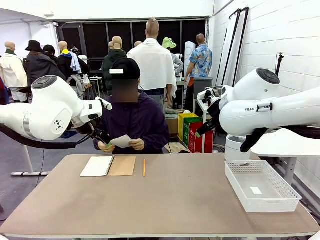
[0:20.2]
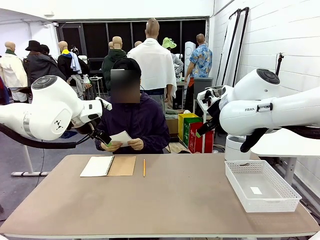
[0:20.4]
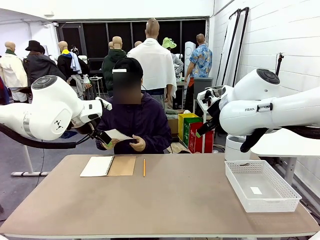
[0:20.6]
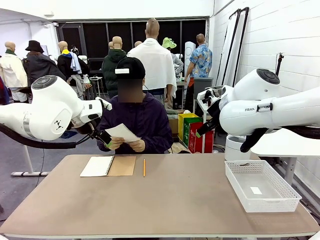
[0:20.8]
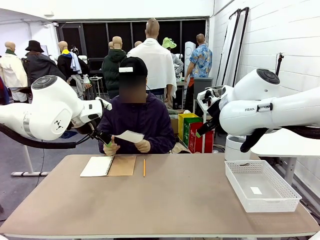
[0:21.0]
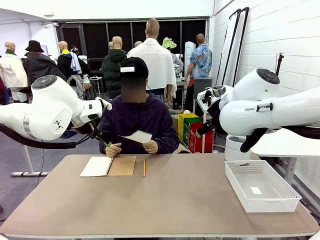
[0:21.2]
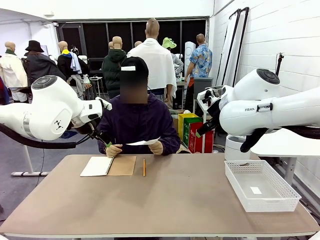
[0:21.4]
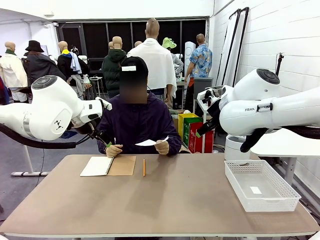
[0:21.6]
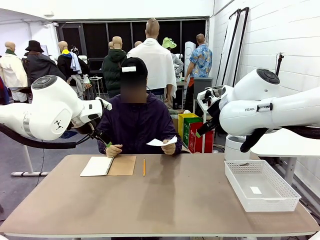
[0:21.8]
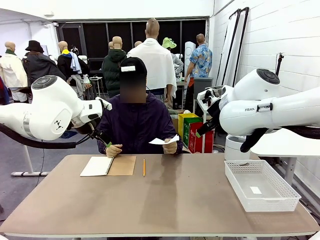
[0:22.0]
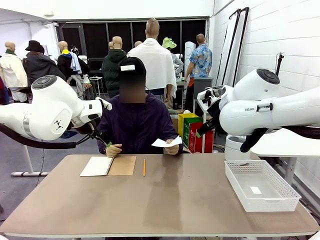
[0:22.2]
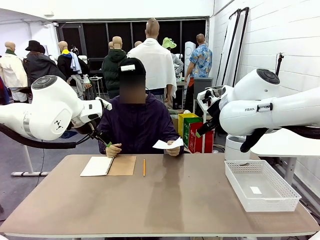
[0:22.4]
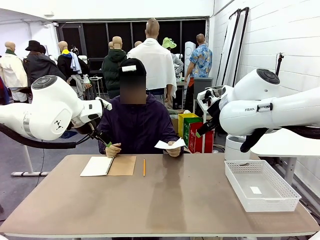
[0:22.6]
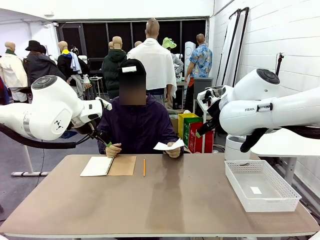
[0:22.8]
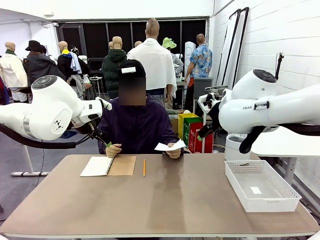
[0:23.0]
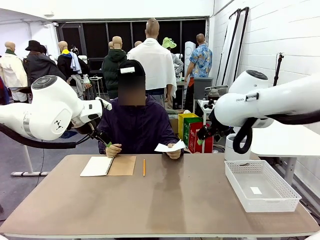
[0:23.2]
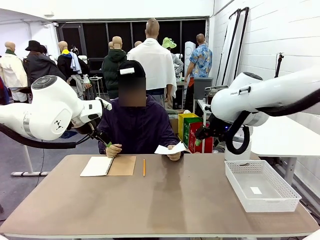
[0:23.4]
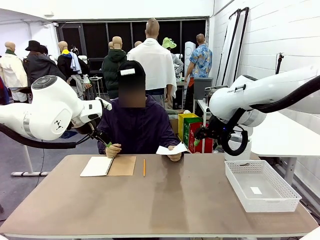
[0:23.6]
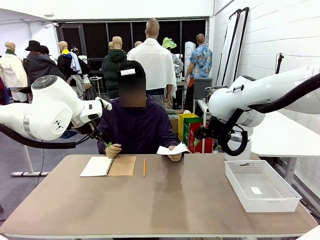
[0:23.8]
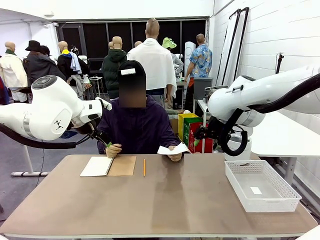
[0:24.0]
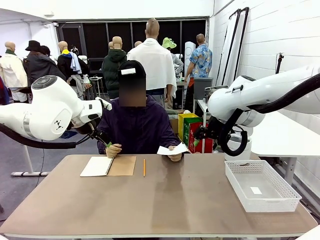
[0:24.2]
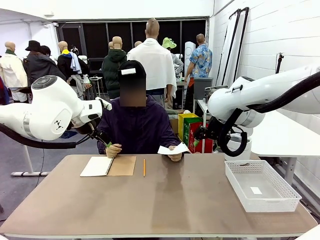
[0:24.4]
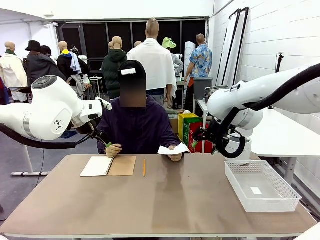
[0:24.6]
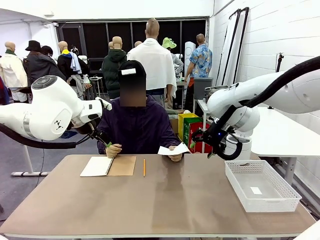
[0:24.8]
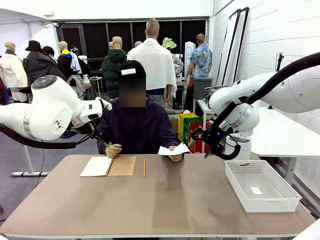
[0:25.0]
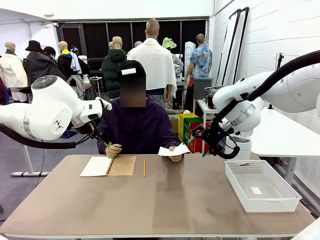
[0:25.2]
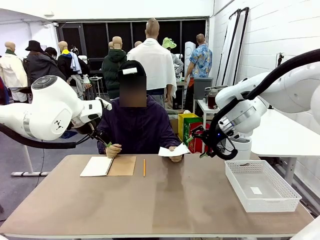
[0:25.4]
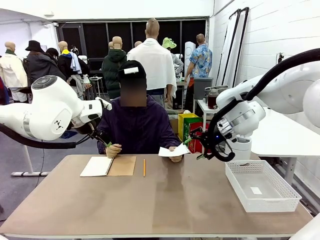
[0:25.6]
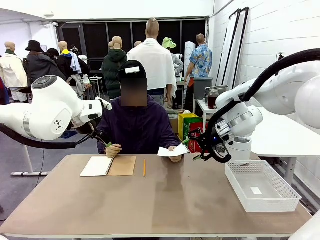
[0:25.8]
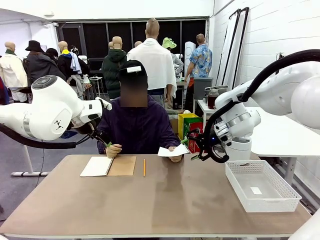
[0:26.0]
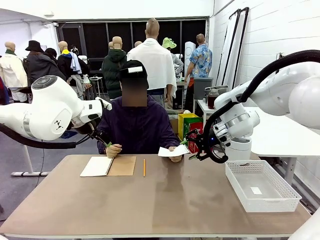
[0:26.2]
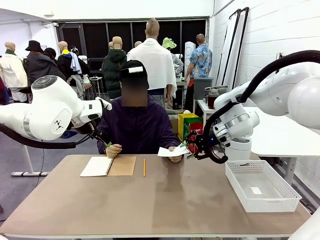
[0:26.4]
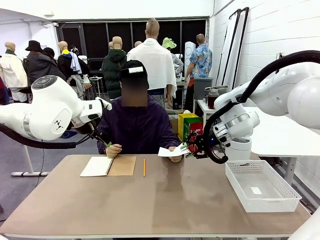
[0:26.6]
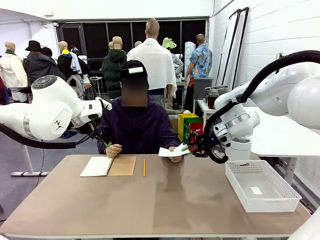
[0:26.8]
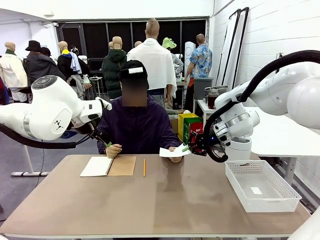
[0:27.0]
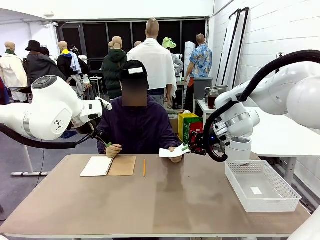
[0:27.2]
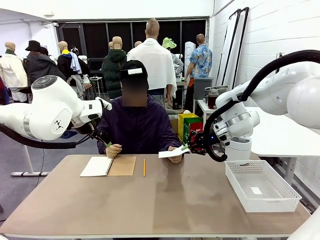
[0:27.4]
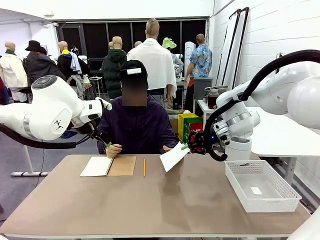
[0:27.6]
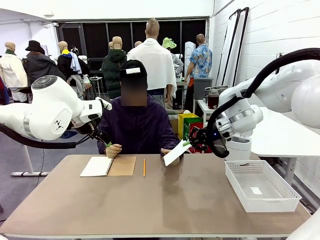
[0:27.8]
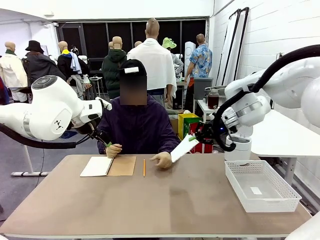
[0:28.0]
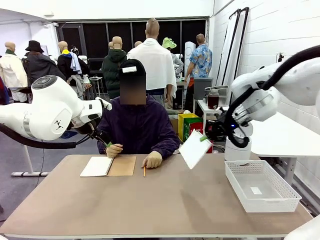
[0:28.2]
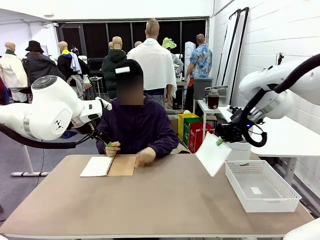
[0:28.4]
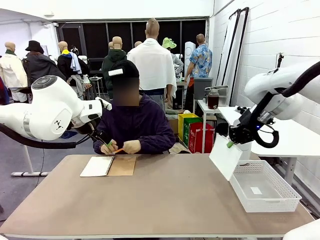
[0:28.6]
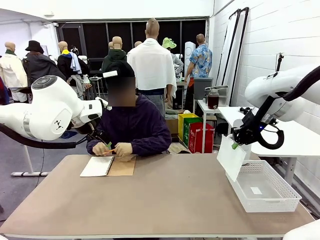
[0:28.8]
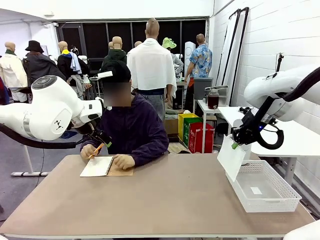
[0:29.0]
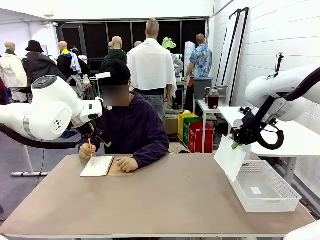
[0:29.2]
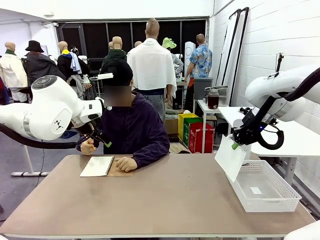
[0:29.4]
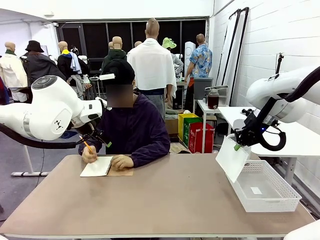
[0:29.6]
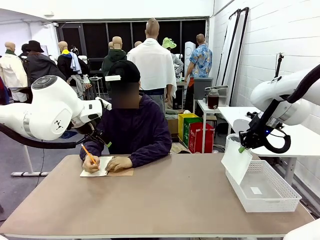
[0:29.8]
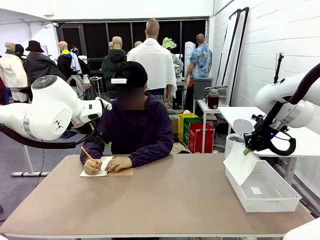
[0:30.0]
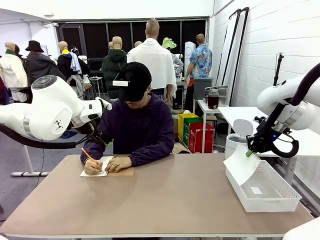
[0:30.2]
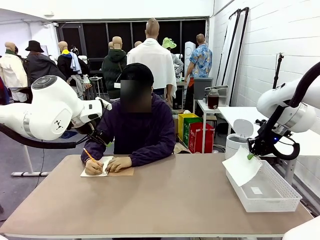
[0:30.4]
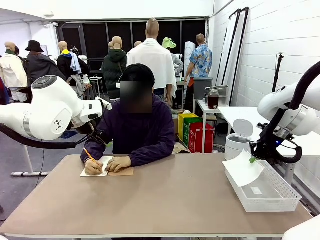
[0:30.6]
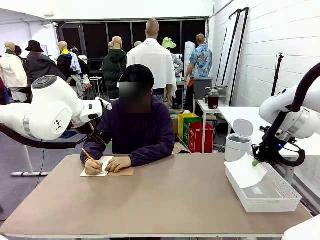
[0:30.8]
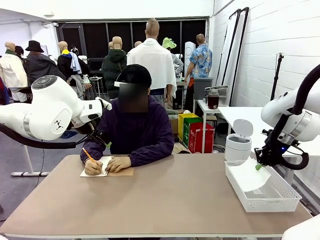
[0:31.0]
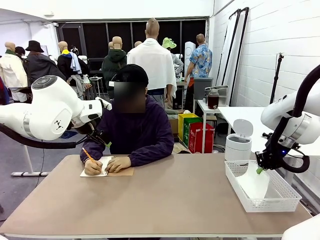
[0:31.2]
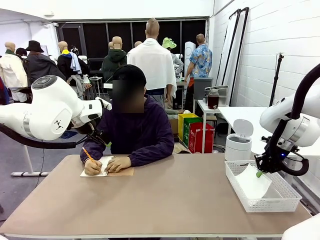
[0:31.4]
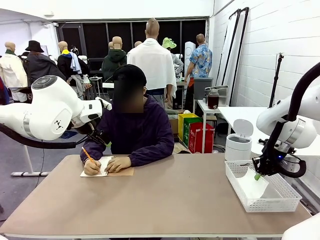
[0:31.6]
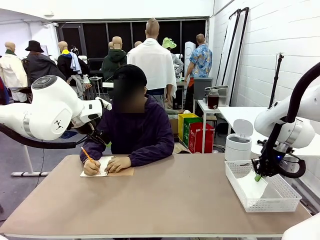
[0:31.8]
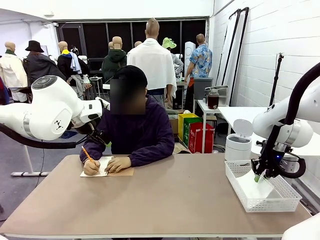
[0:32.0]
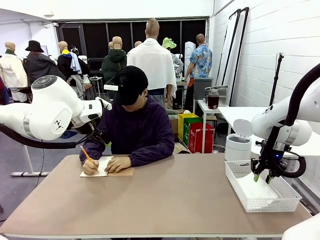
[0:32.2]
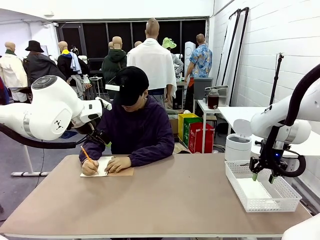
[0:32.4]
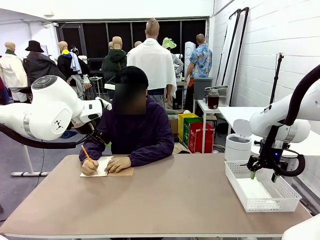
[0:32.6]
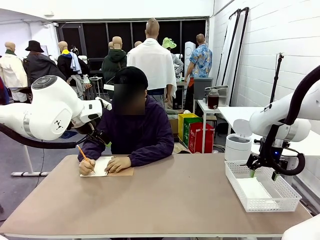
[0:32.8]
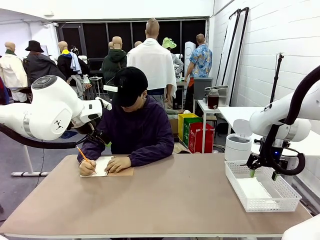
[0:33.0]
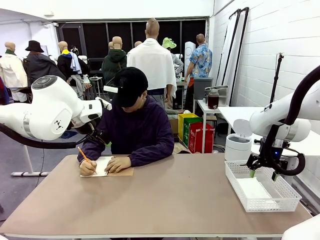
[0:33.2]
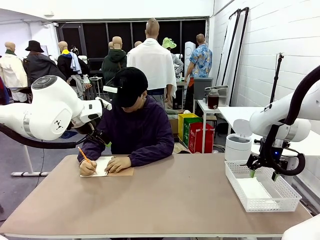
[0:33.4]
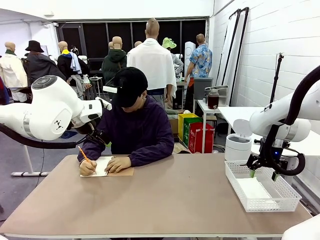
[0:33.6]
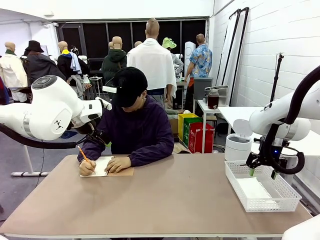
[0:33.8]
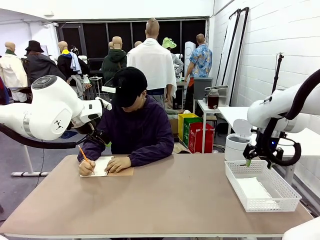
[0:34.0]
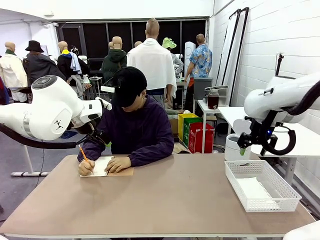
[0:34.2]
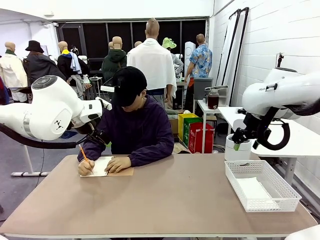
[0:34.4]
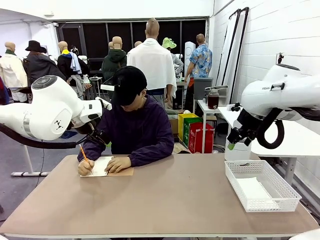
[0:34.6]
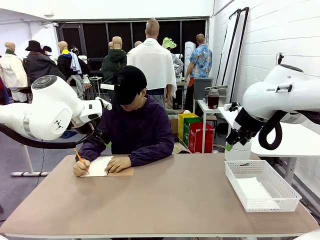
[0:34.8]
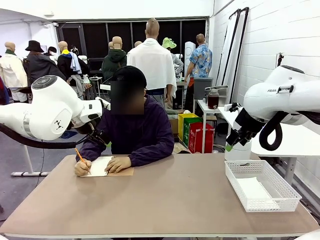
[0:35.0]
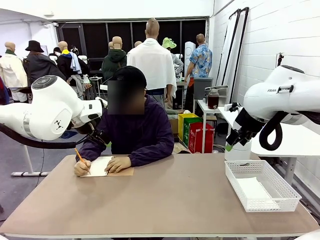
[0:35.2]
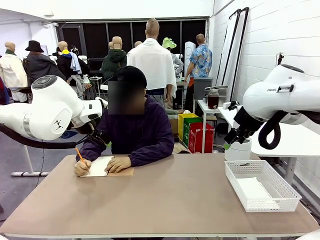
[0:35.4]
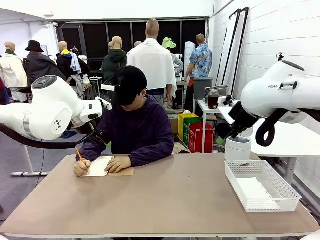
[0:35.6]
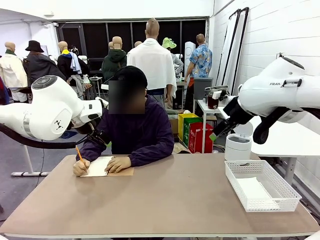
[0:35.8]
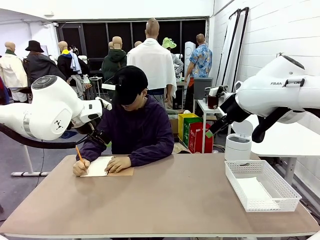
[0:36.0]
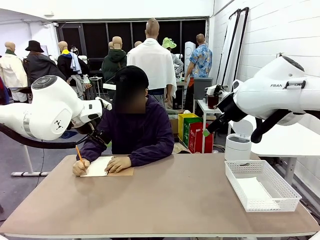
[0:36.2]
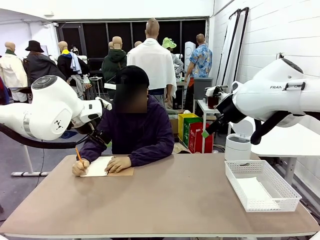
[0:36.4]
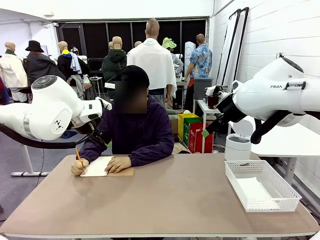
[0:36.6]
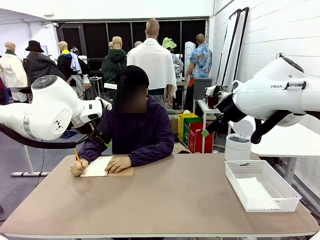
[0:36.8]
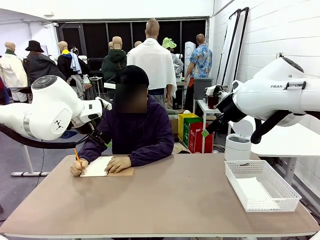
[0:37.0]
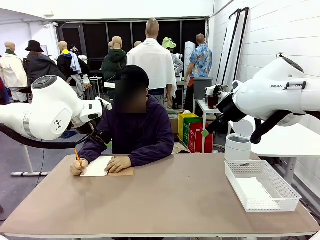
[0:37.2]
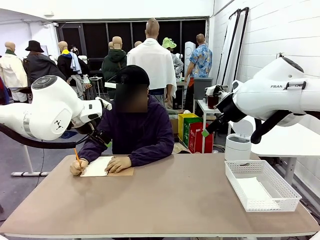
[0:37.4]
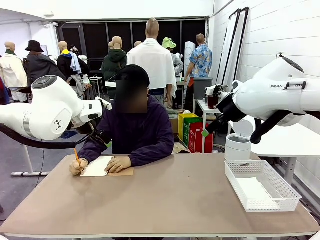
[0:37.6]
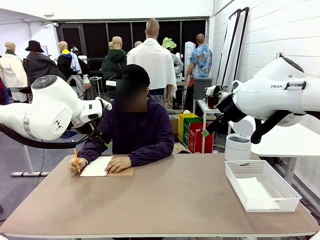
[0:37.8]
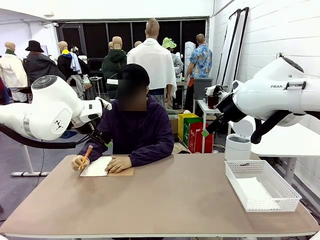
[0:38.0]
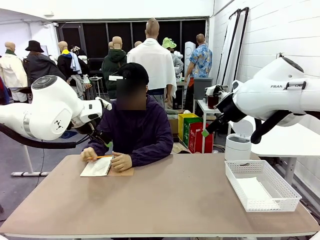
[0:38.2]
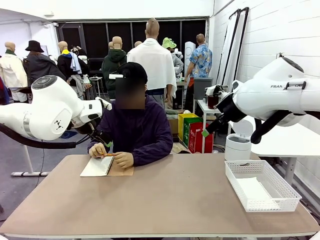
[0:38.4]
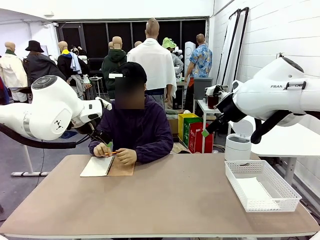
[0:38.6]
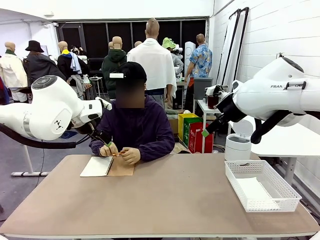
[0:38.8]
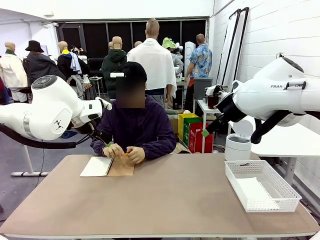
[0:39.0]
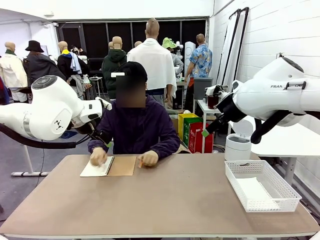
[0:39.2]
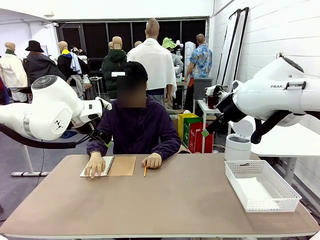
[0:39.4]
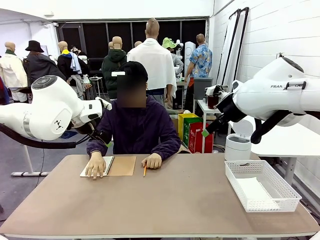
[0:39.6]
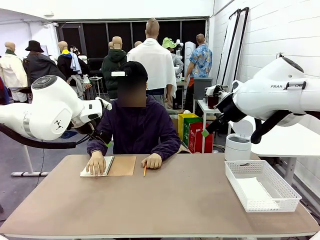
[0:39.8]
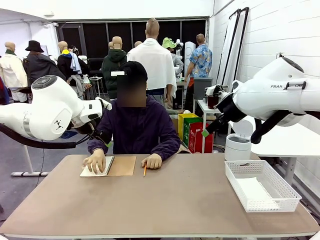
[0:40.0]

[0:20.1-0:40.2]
Task: Sort the paper based on its condition.
Robot: If a person hands you a paper, place it in the Organizing basket , and if it's crumpled, put it in the Trash can.
Person: Hand the torn page to the robot or crumple it and throw it to the center of the table. Tear out a page from the spiral notebook.
